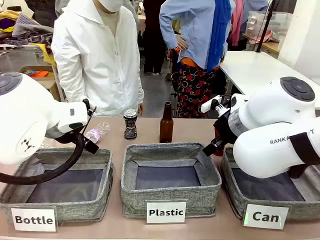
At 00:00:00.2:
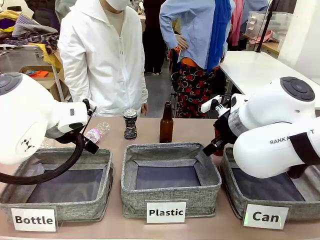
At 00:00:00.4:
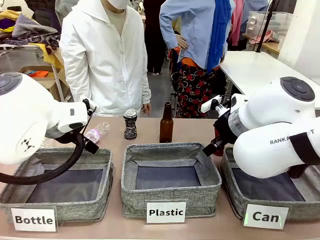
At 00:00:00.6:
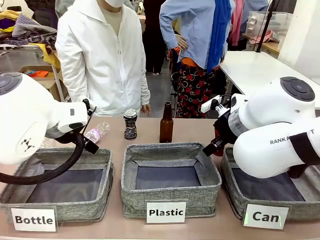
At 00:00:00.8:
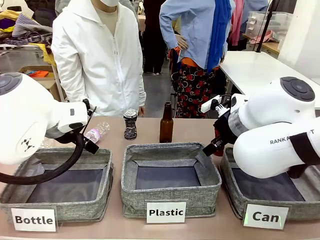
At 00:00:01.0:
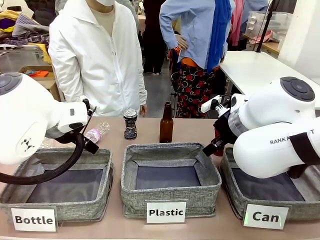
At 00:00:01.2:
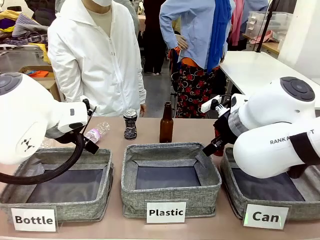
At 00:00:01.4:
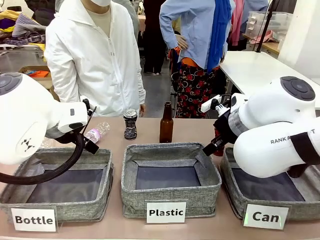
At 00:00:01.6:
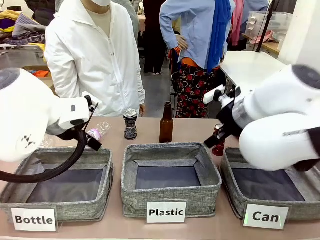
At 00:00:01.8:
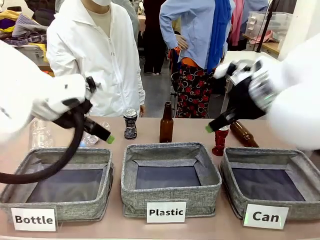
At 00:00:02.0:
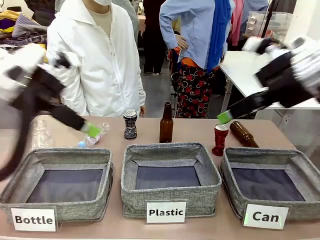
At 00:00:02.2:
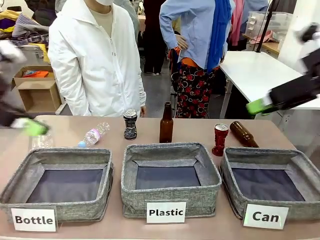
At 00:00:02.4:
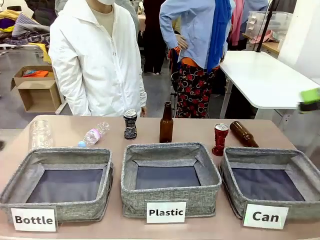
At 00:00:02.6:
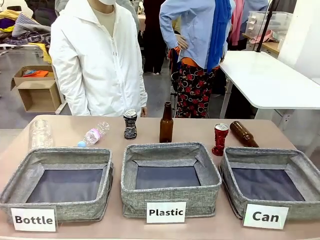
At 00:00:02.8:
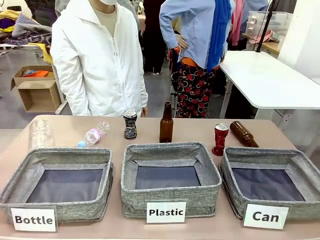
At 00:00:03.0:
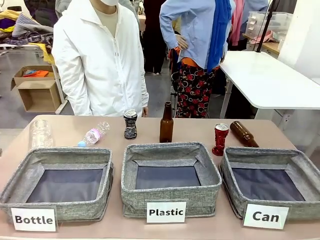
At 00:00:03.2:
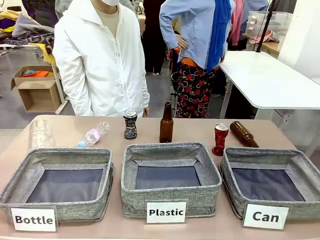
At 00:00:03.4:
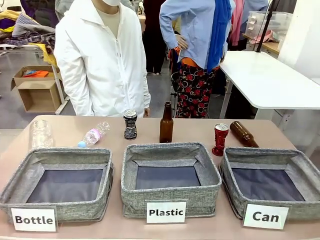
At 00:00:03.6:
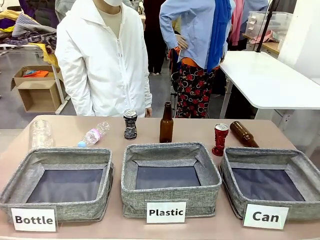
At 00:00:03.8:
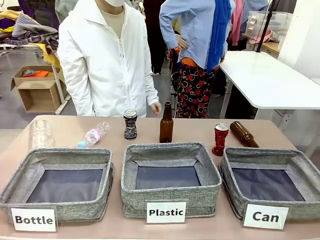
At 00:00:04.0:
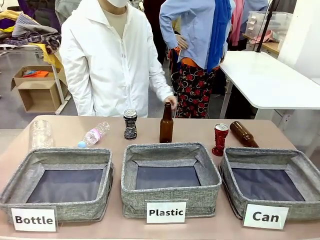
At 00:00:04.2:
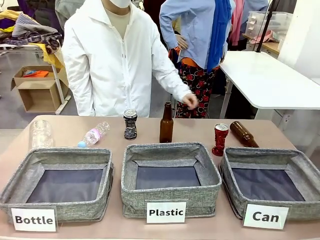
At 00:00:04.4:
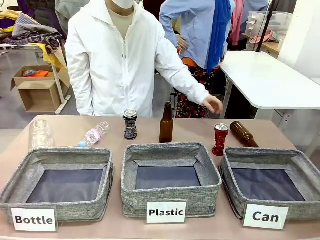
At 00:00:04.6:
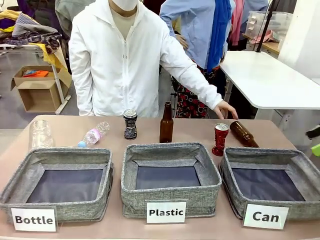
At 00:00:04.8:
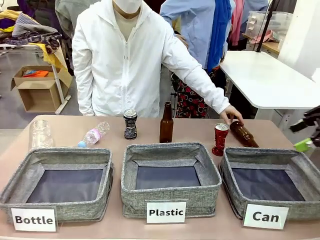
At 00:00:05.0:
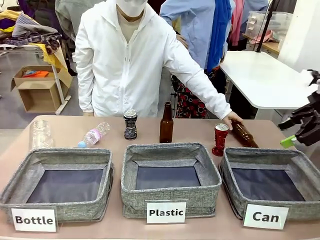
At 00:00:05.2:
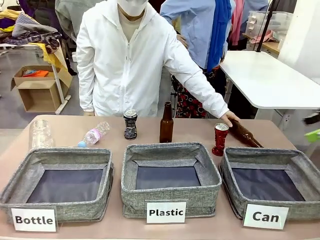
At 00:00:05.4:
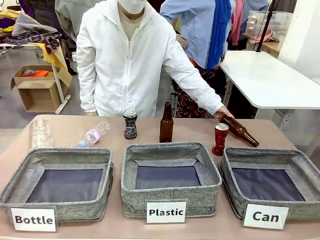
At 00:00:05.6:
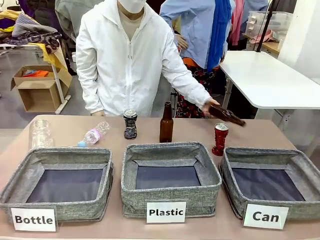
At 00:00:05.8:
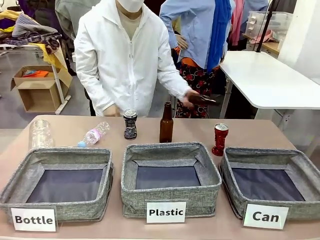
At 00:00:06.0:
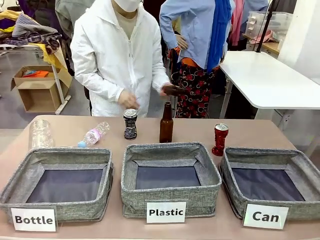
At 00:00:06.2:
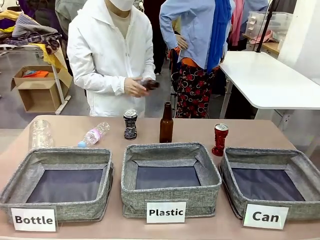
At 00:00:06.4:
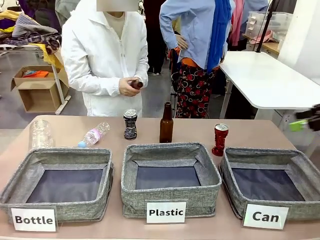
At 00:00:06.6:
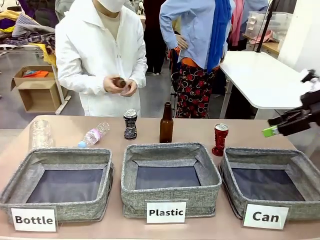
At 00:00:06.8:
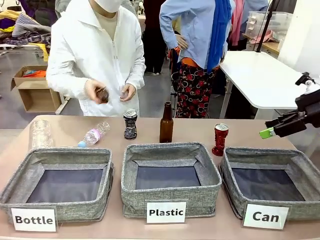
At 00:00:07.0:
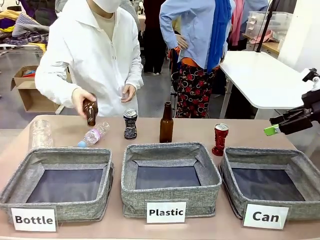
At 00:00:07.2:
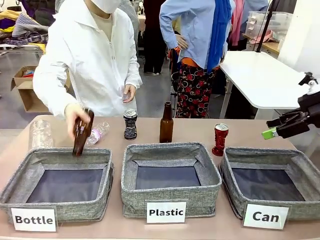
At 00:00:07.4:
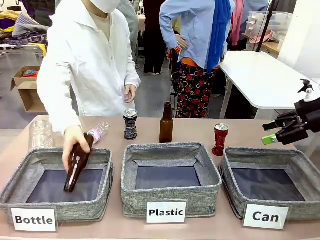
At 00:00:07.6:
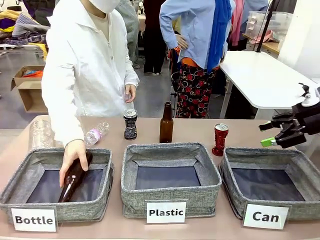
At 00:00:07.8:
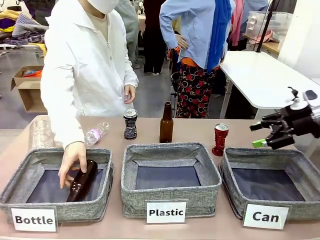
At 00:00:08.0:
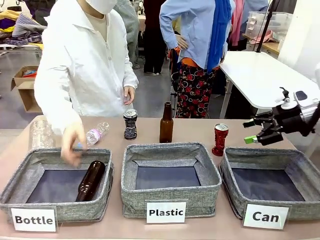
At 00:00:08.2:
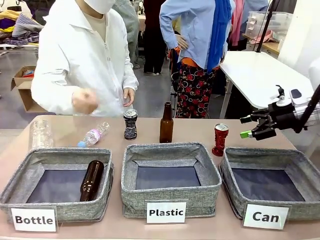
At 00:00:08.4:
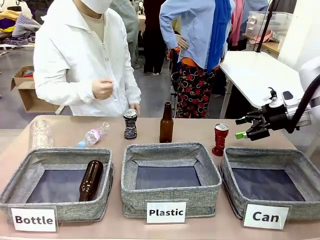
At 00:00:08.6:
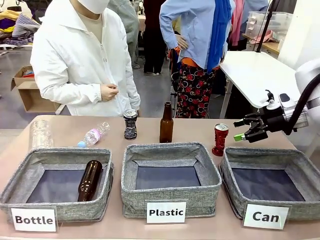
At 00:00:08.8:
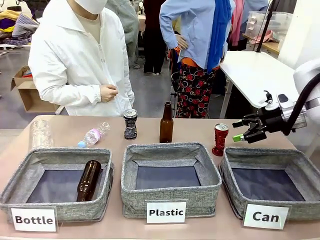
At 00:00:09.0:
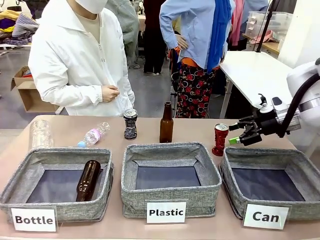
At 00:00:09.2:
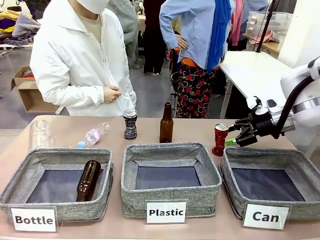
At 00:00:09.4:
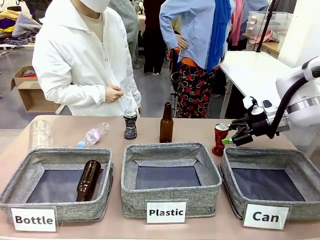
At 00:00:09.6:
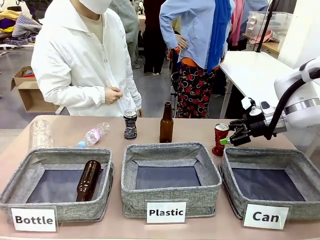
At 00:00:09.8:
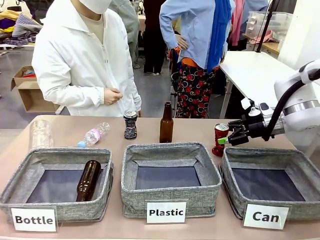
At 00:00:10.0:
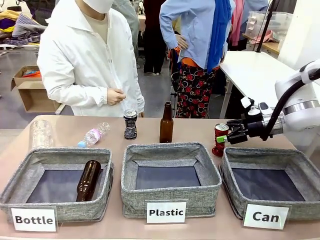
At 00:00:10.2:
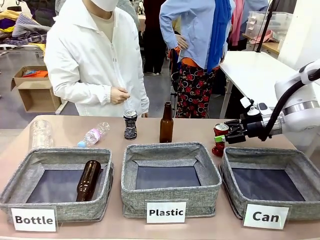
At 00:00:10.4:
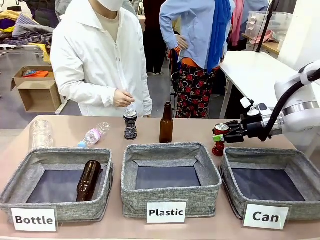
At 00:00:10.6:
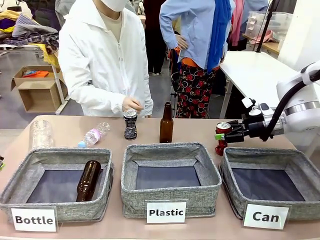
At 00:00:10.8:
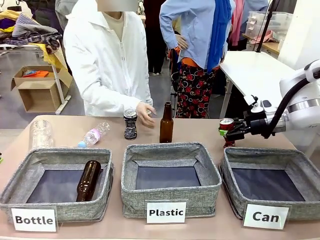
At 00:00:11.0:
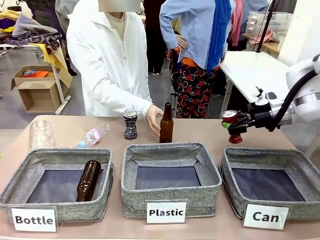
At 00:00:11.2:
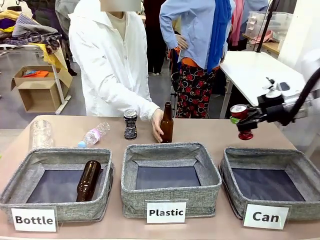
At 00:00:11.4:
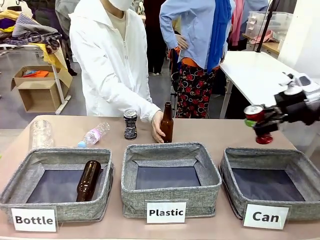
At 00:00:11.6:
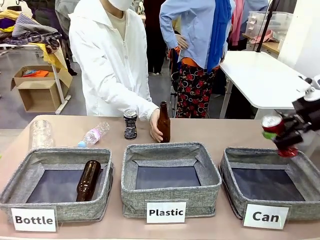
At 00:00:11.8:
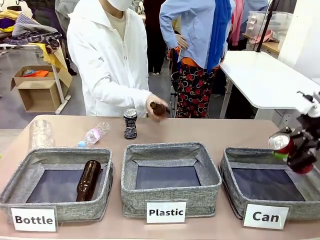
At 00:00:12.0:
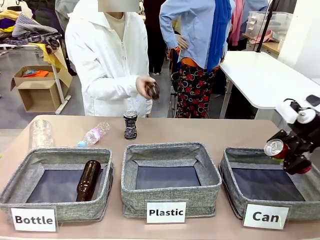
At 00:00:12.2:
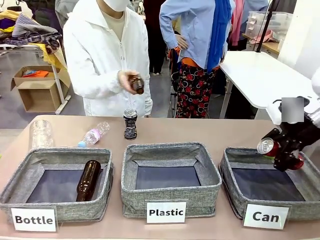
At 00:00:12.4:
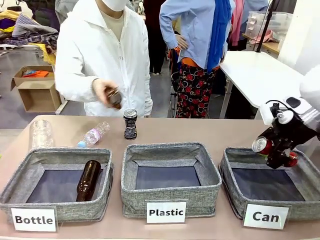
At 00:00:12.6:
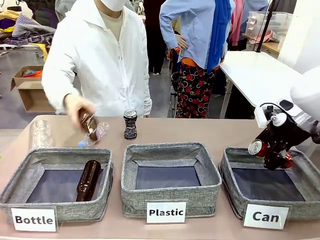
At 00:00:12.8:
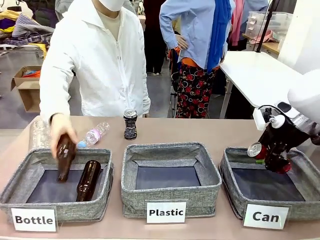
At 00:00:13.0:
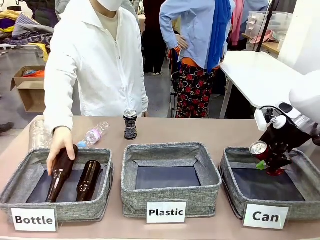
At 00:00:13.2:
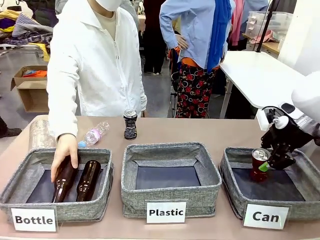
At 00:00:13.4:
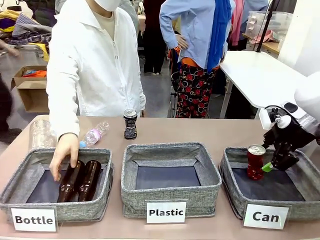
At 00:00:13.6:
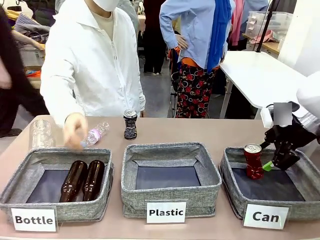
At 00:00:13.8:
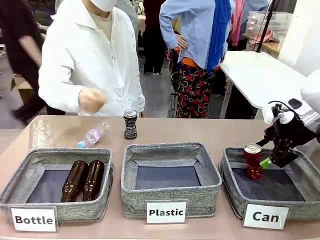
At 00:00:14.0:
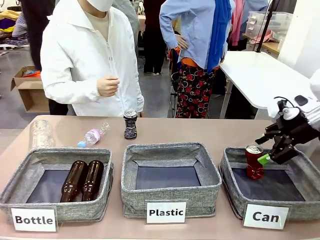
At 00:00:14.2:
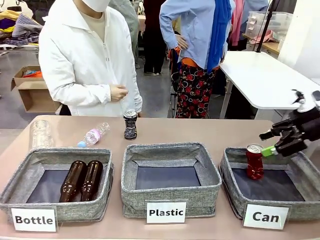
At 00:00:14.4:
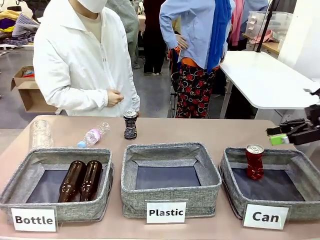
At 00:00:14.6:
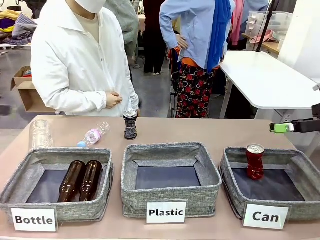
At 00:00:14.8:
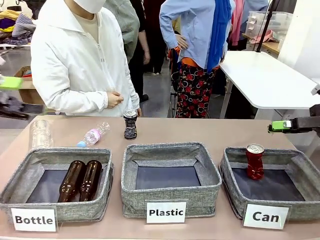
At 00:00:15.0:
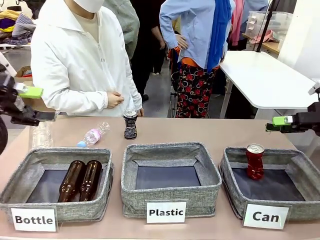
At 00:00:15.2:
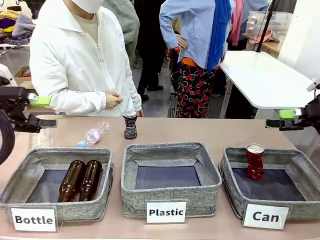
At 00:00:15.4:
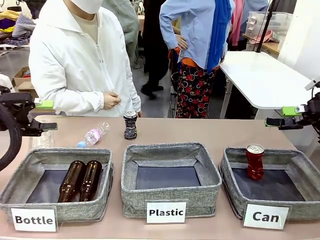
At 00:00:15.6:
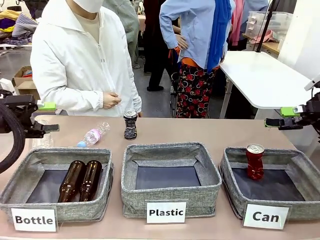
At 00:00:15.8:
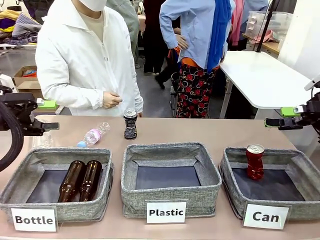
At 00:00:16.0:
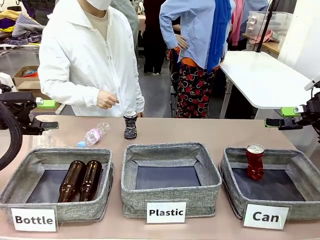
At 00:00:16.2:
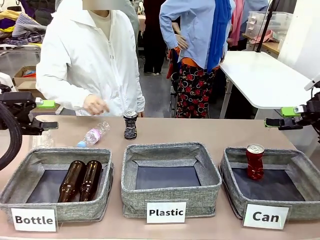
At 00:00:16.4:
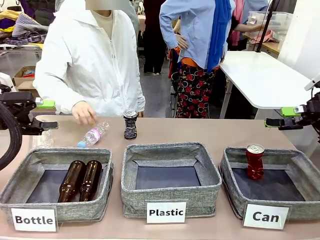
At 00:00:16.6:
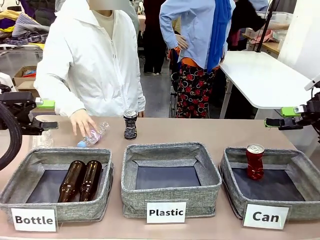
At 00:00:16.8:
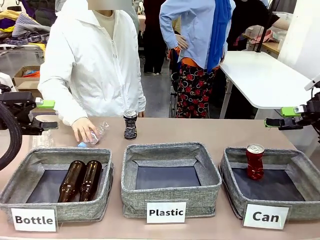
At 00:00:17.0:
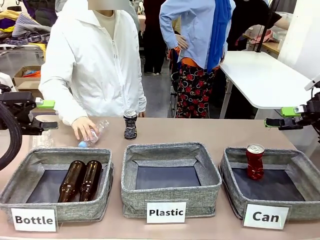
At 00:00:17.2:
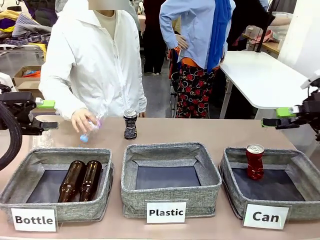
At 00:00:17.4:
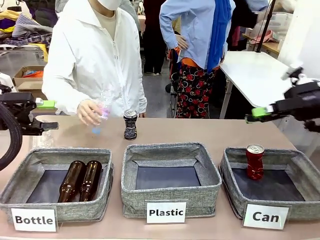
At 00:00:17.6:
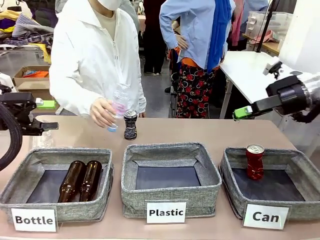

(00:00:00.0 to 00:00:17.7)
Task: Sort the can waste into the basket.
Robot: Pick up the can waste from the table and place it in the right Fabric basket.
